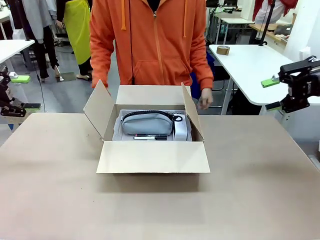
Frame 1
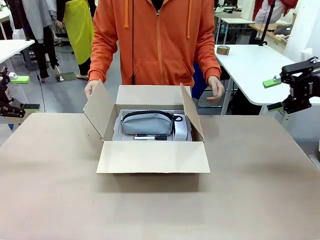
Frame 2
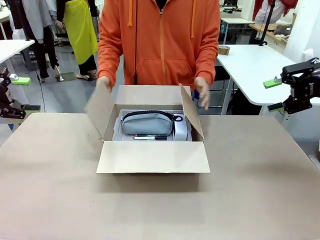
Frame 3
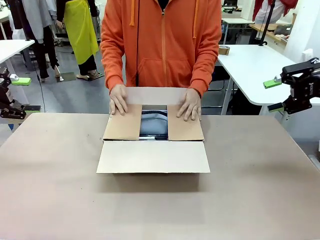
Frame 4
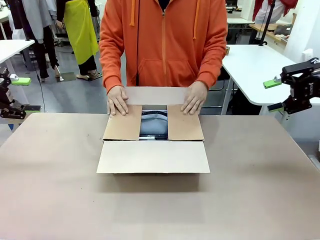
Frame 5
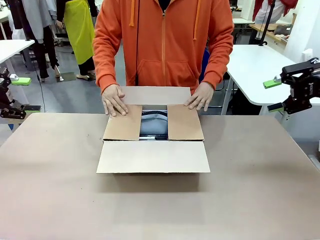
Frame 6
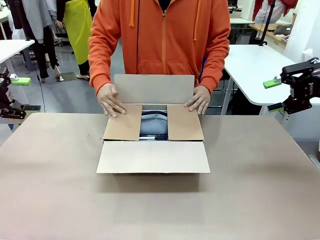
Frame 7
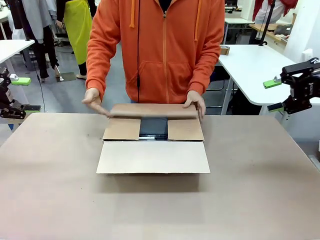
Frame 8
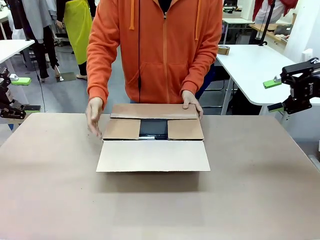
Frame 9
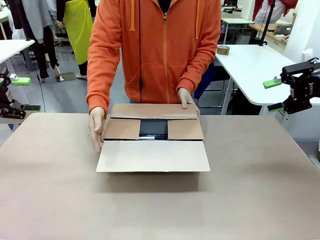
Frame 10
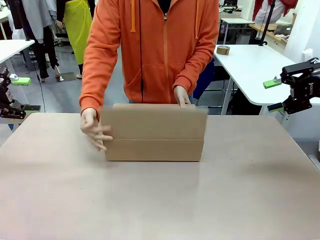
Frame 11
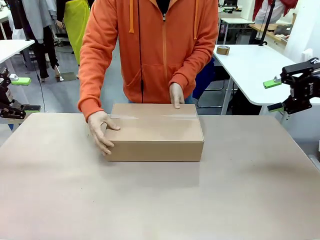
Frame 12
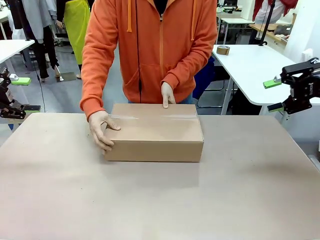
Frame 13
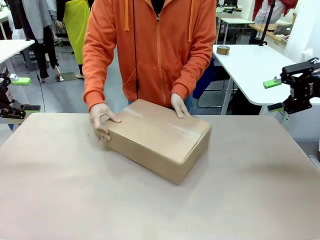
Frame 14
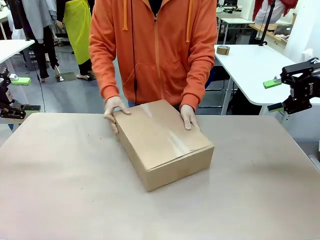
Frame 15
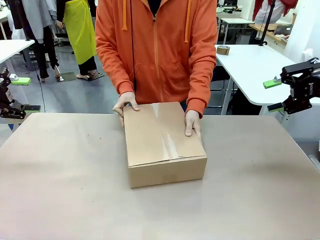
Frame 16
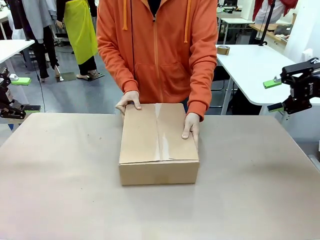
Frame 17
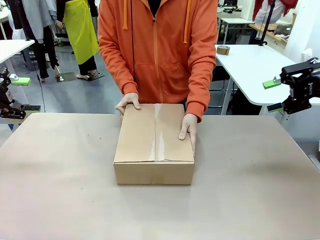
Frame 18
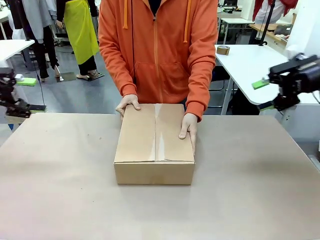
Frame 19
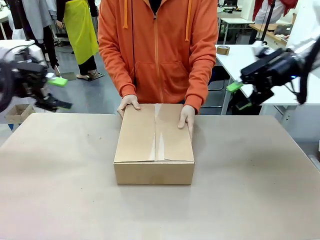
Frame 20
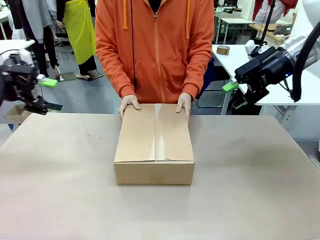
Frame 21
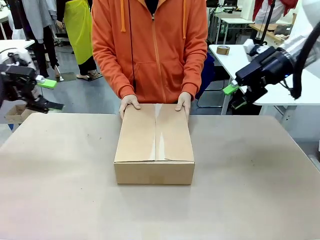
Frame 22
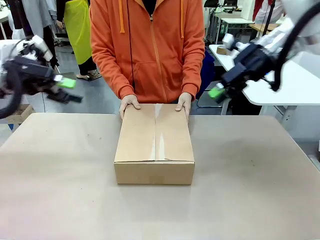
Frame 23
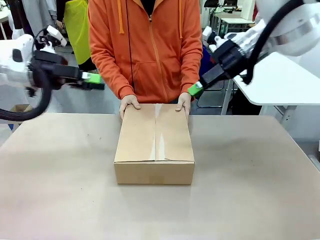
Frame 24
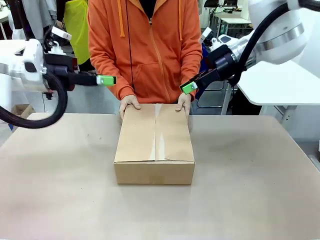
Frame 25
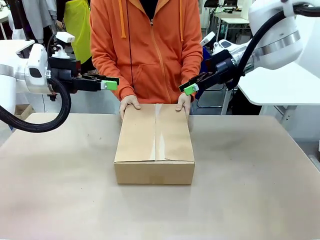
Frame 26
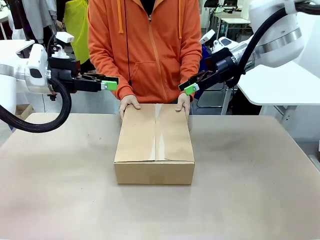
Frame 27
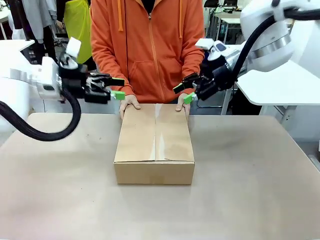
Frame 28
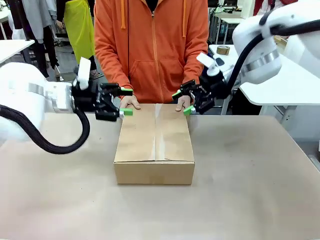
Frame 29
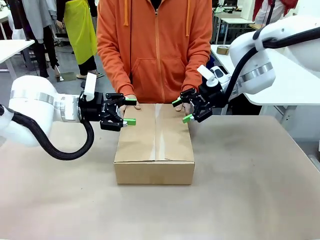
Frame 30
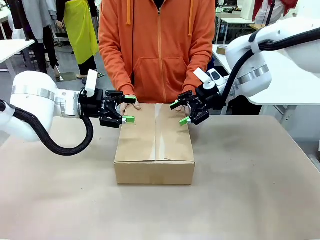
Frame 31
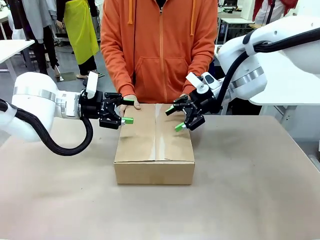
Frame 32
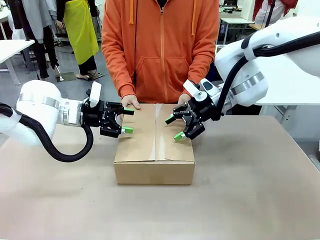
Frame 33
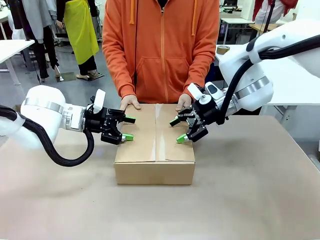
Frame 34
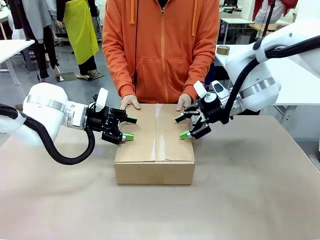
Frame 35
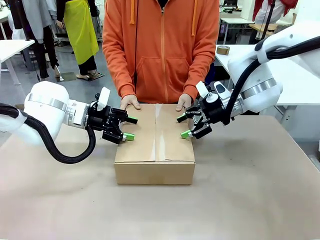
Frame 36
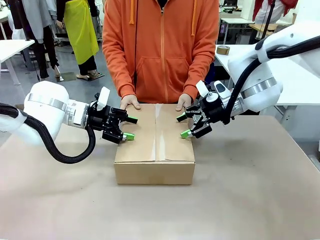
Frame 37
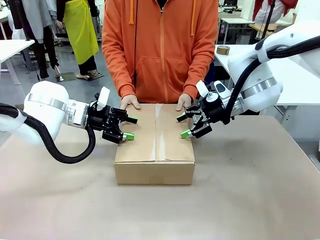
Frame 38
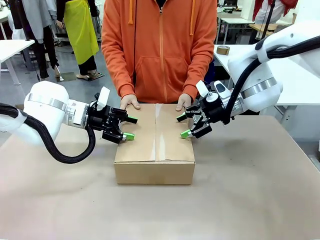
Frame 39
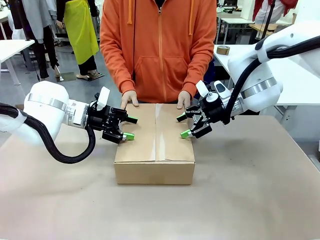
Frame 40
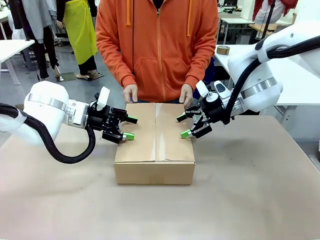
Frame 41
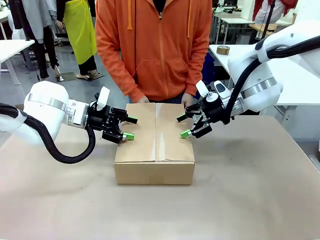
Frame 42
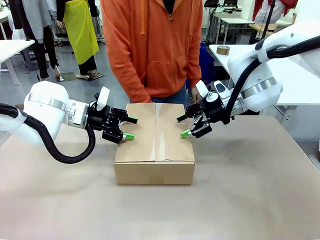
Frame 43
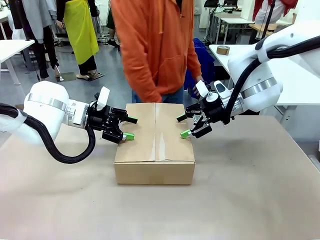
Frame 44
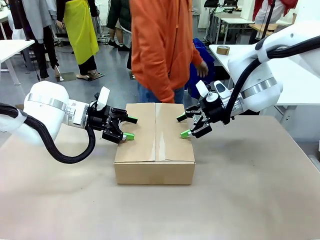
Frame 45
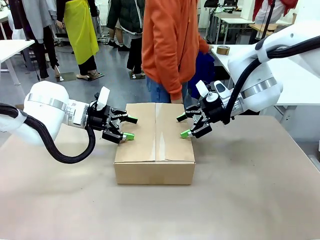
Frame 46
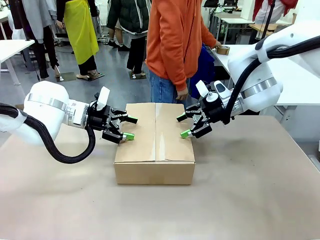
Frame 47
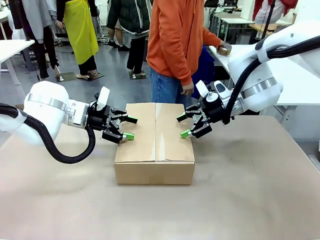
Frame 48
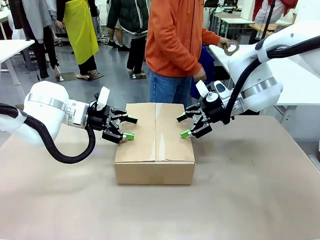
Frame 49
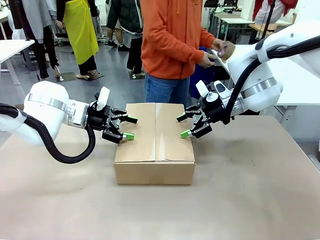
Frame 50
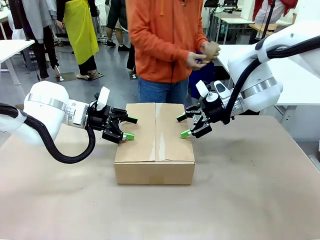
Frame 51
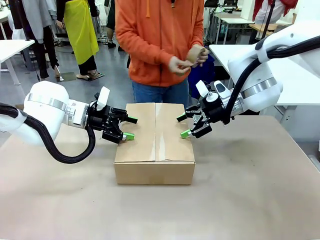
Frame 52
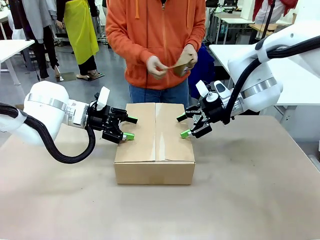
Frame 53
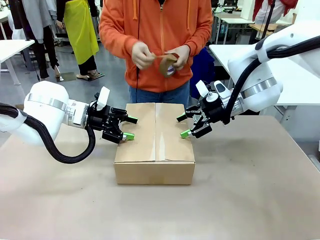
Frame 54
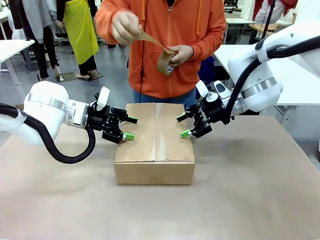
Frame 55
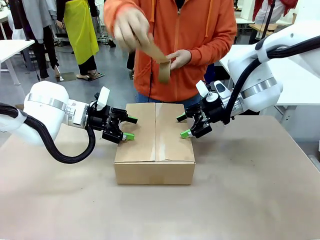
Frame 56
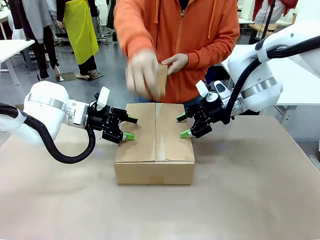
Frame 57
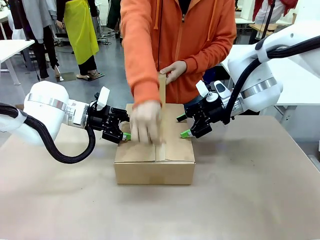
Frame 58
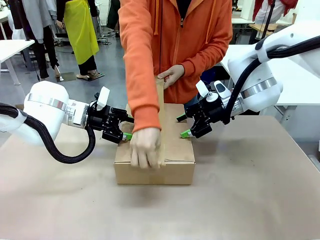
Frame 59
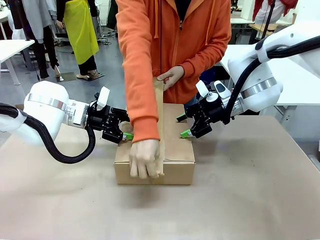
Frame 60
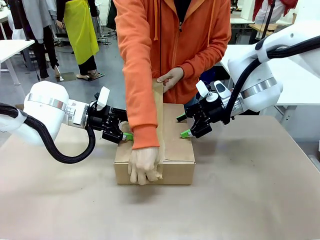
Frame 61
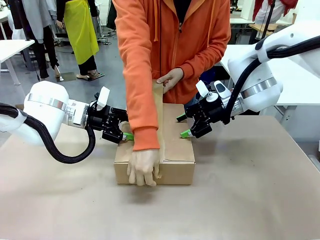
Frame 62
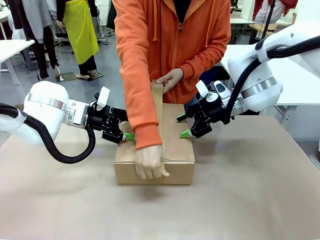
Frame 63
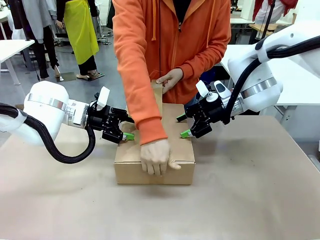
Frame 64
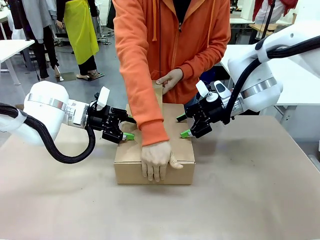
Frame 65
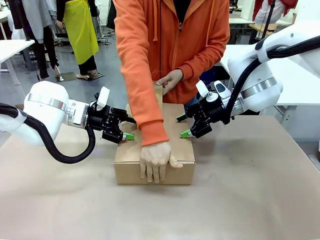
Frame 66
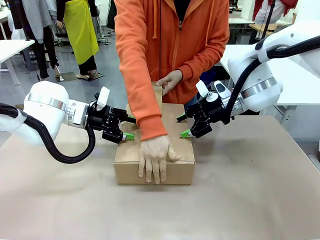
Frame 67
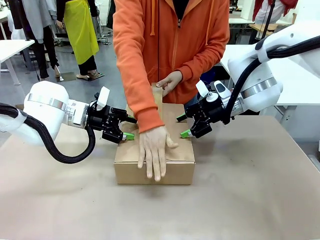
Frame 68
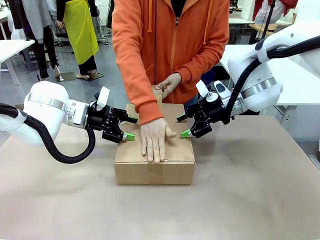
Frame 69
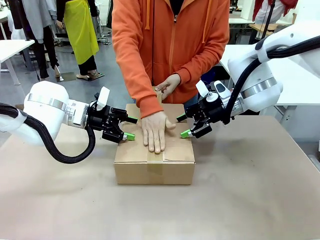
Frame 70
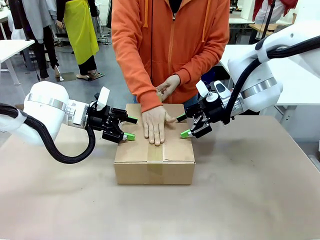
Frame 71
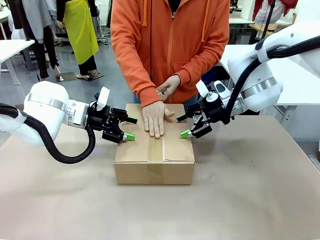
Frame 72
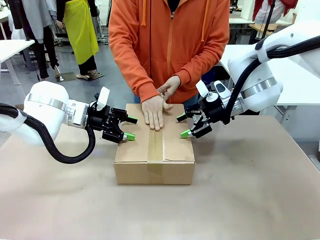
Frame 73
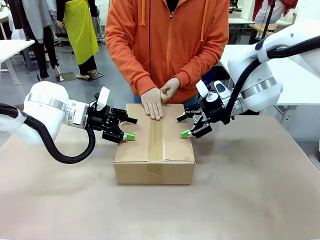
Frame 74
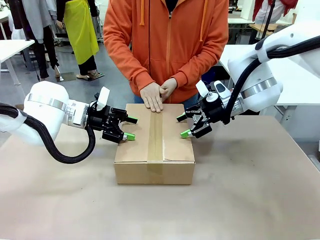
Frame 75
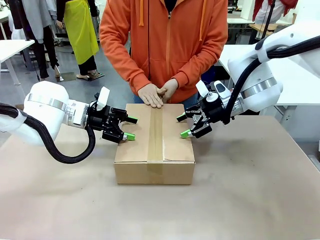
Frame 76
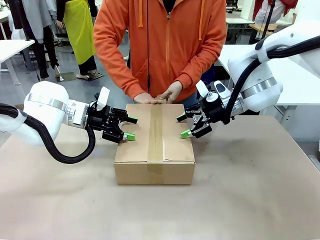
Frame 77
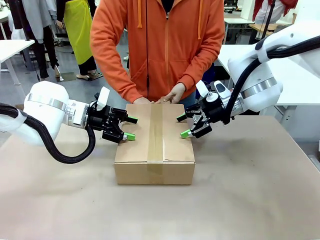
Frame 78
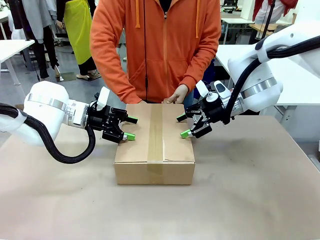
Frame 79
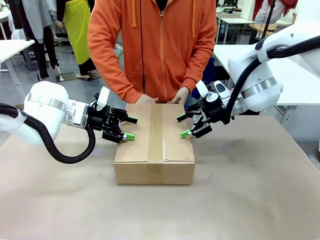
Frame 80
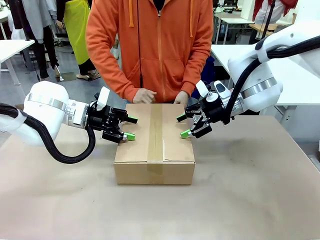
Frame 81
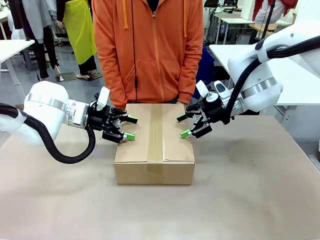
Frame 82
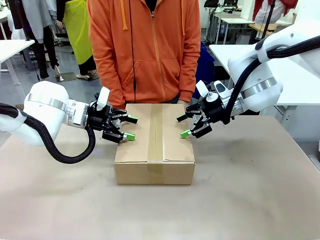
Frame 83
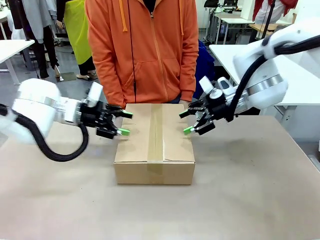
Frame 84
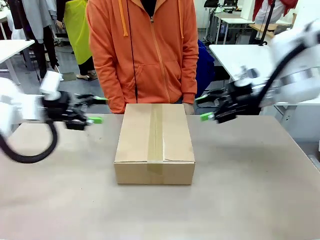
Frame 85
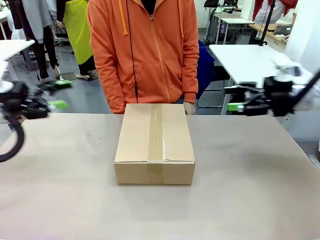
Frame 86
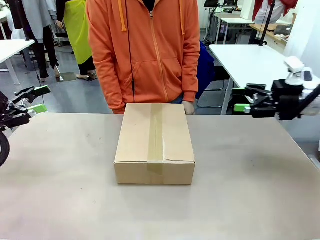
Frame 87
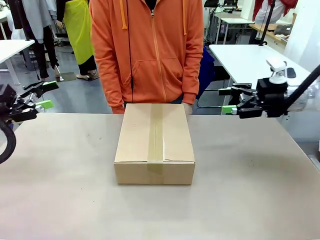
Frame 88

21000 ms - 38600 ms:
Task: Pack the gift set into the box.
Robot: Press and hold the closed box until the human finishes sealing it.
Person: The human closes the box and rotates the box by 90 degrees. The human picks up the paper tape from the human table and packs the box.

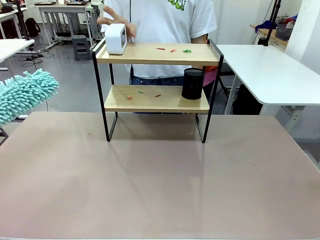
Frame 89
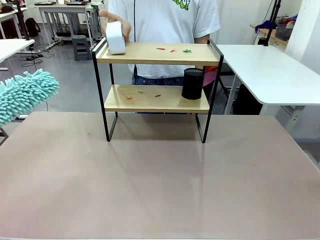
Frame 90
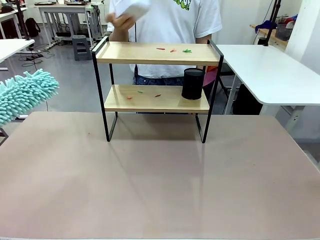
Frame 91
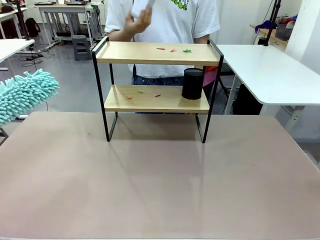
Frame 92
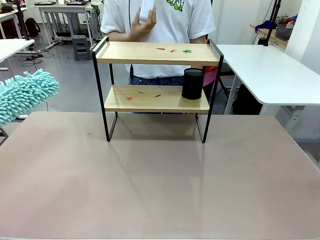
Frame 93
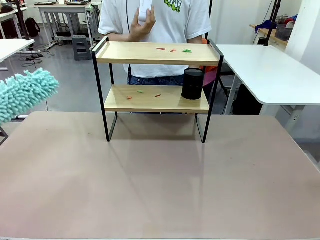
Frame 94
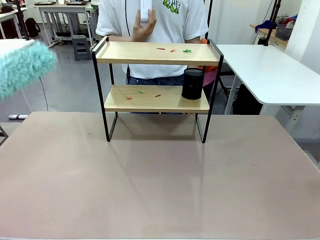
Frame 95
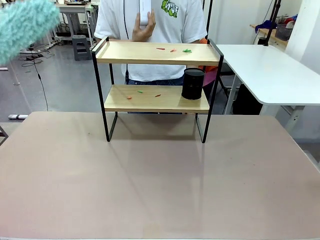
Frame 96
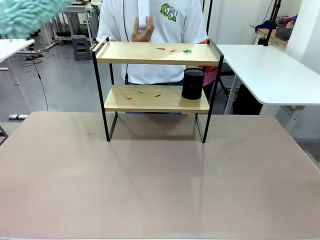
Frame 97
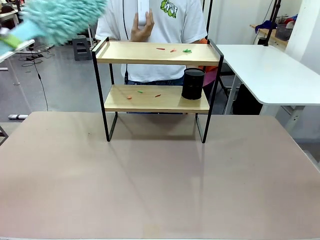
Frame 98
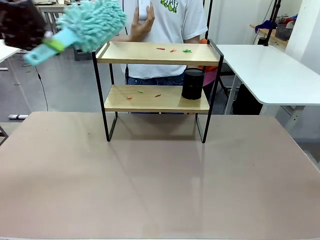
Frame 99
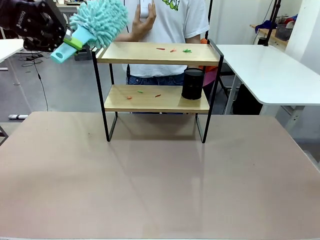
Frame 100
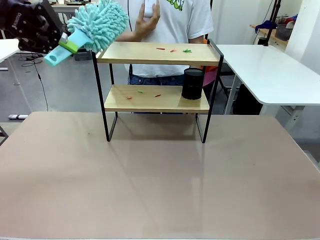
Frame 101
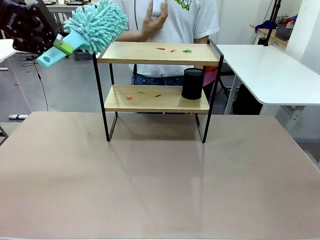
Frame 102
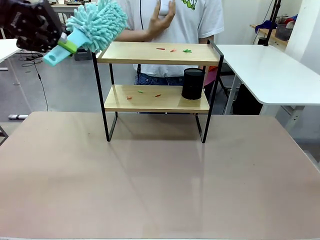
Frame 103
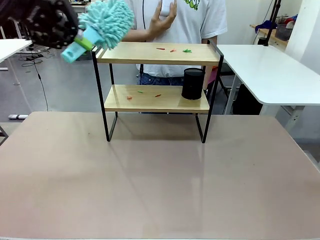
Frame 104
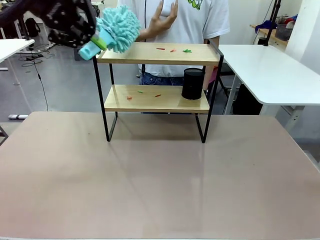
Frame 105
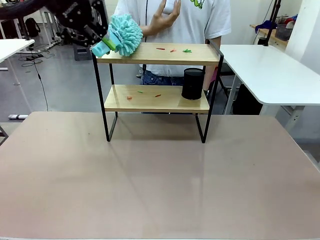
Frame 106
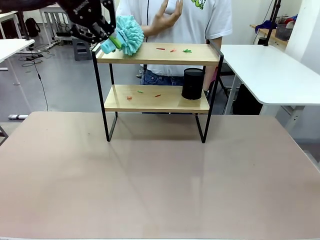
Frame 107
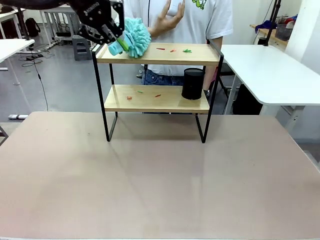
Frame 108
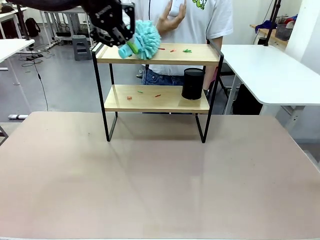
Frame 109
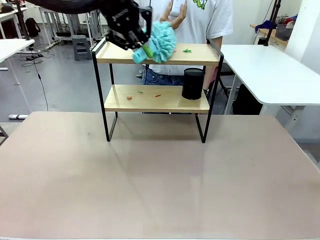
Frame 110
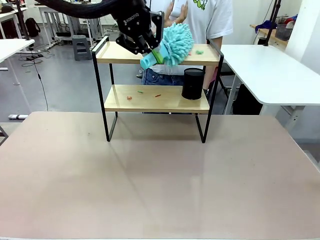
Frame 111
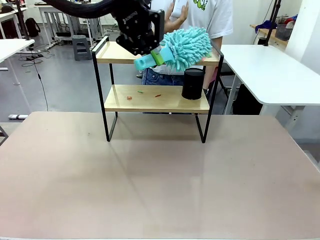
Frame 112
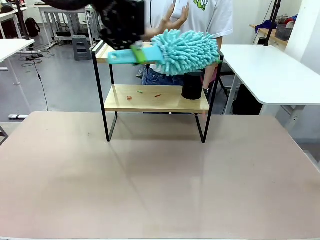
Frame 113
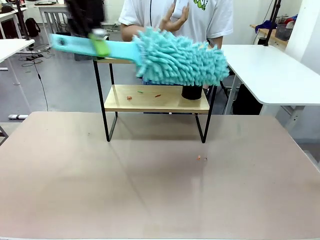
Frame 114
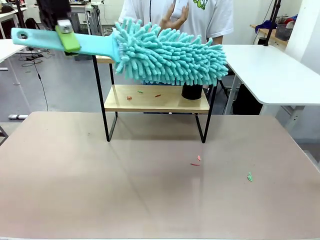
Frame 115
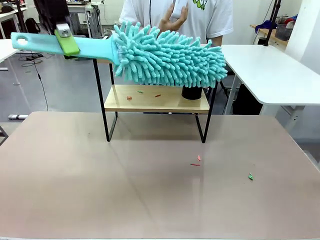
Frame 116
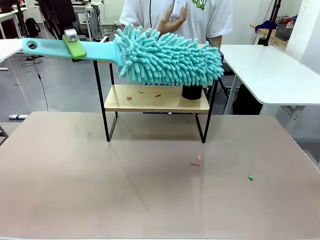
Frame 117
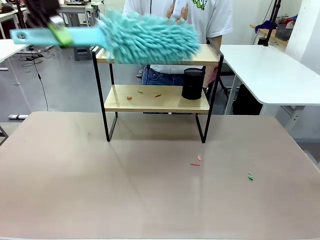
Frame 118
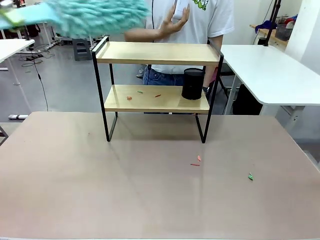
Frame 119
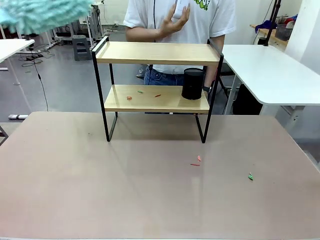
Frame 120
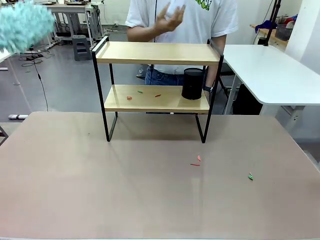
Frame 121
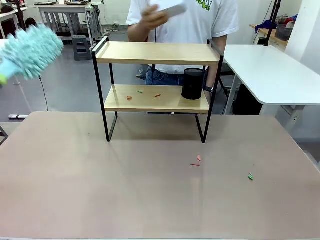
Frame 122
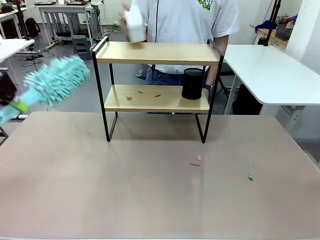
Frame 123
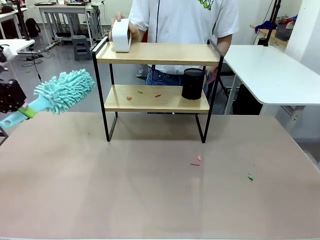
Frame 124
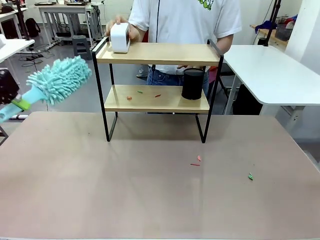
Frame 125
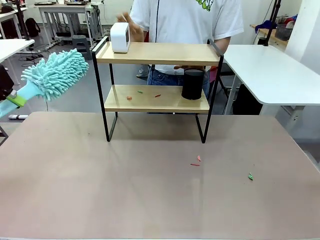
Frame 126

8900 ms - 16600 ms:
Task: Clean the shelf.
Robot: Clean the specific tier of the Shelf with the Duster once objects are removed.
Person: Lift the objects on a randomly selected tier of the Shelf. Once the robot finishes cleaning, lift the objects on the remaining tiers of the Shelf.
